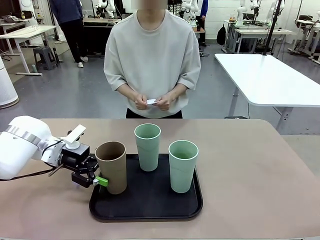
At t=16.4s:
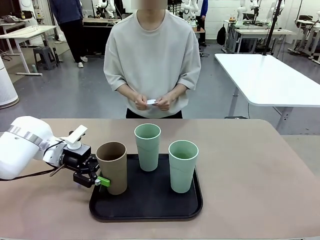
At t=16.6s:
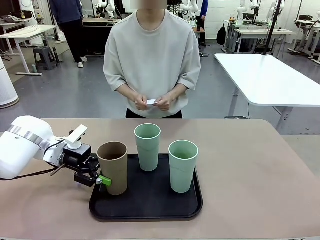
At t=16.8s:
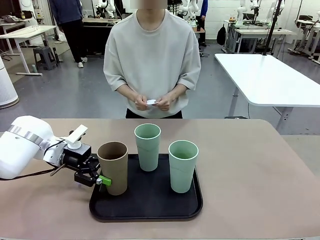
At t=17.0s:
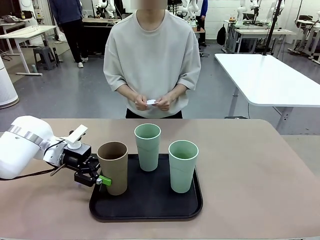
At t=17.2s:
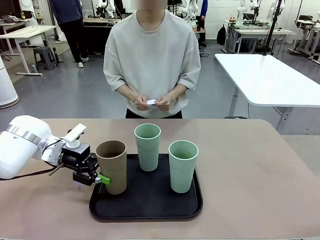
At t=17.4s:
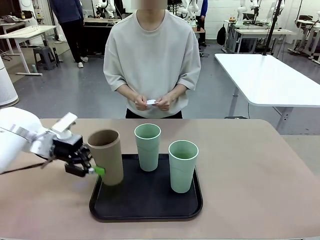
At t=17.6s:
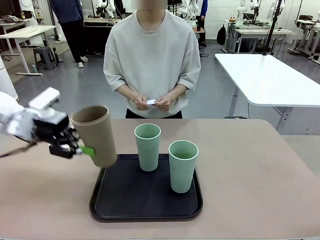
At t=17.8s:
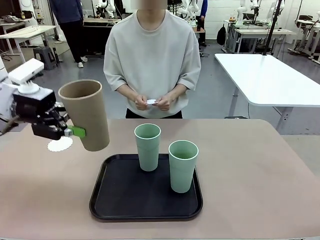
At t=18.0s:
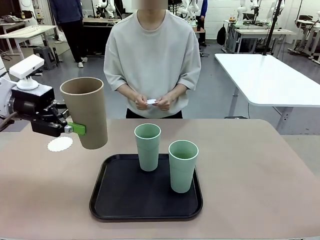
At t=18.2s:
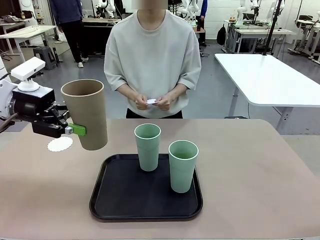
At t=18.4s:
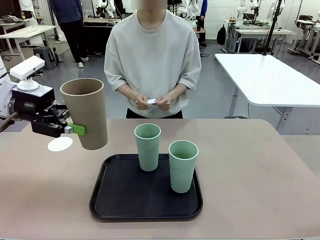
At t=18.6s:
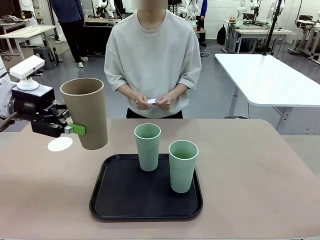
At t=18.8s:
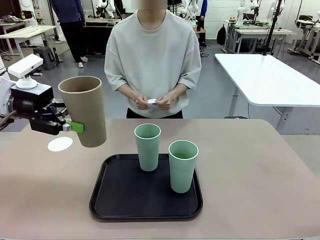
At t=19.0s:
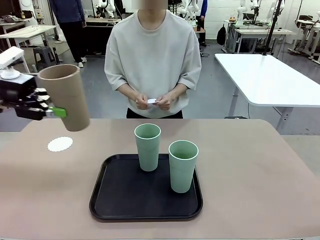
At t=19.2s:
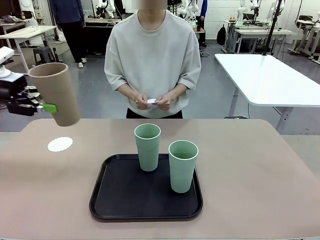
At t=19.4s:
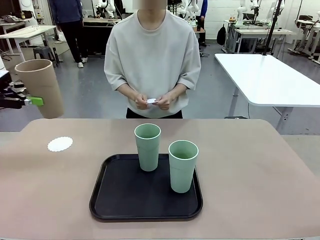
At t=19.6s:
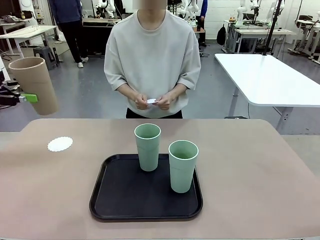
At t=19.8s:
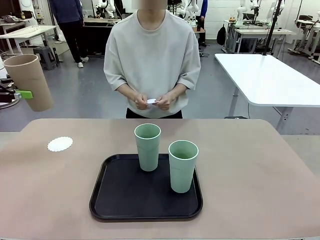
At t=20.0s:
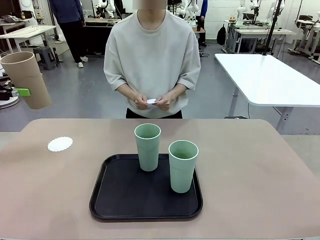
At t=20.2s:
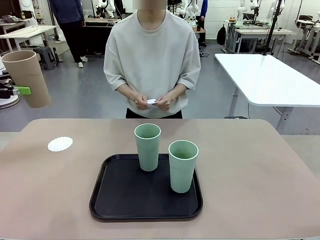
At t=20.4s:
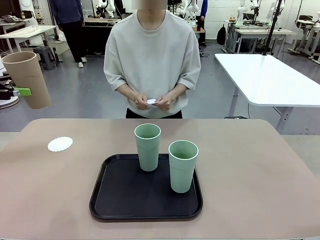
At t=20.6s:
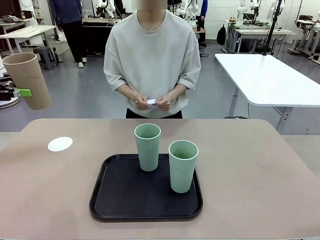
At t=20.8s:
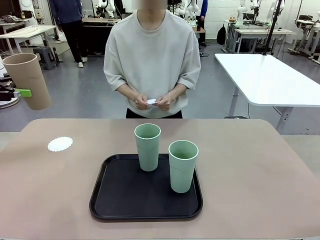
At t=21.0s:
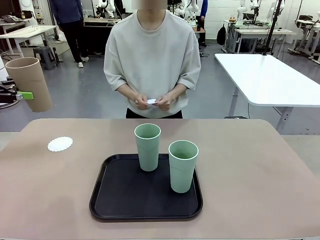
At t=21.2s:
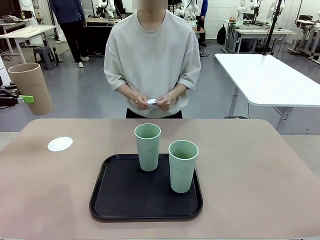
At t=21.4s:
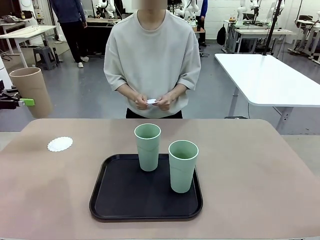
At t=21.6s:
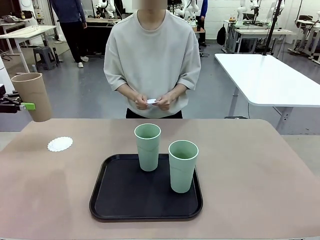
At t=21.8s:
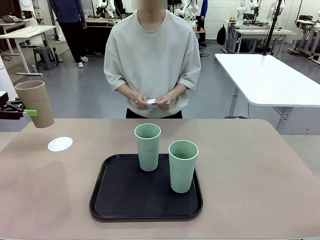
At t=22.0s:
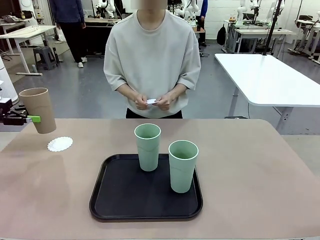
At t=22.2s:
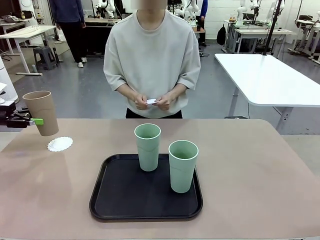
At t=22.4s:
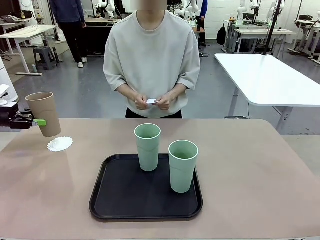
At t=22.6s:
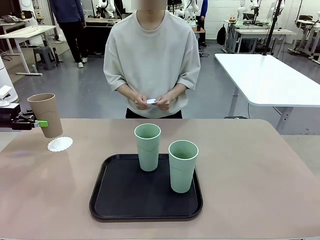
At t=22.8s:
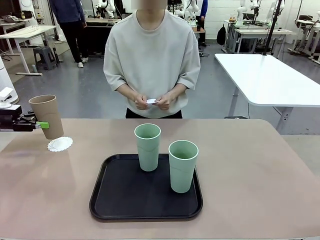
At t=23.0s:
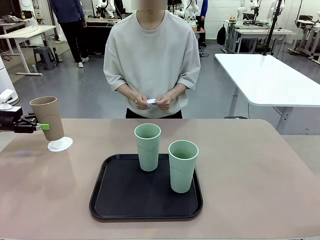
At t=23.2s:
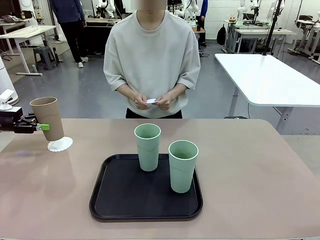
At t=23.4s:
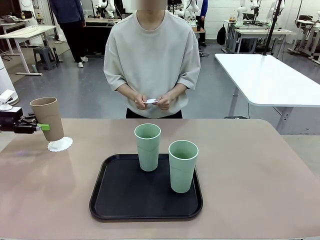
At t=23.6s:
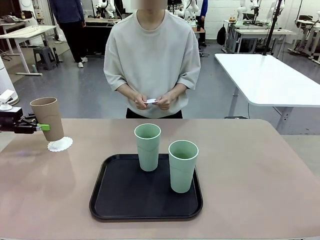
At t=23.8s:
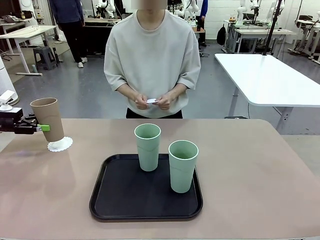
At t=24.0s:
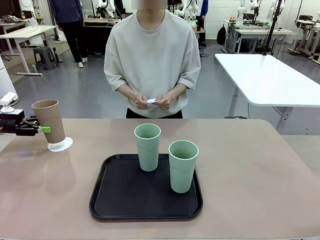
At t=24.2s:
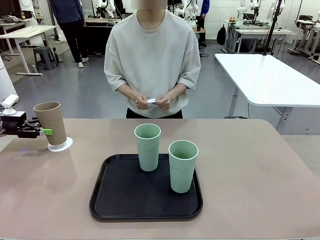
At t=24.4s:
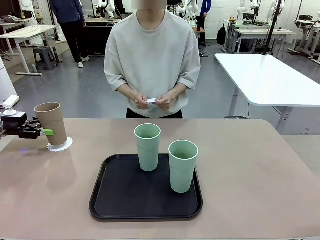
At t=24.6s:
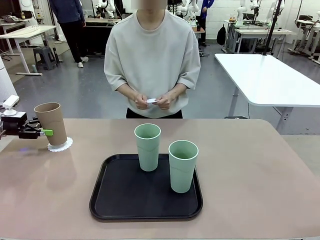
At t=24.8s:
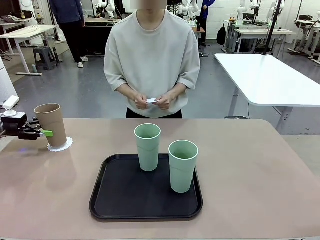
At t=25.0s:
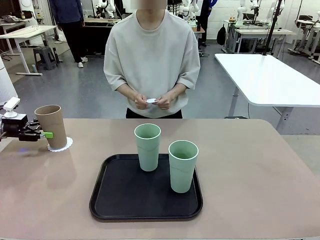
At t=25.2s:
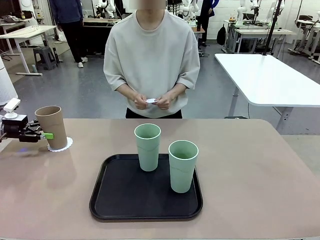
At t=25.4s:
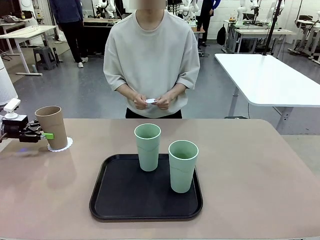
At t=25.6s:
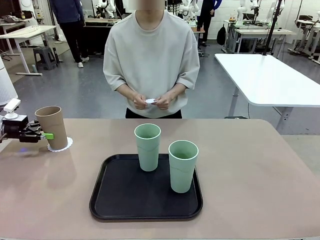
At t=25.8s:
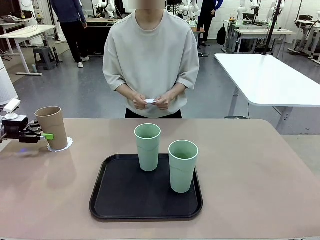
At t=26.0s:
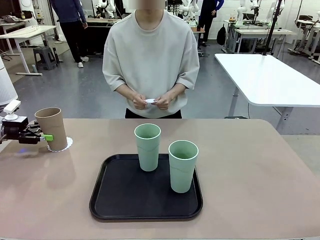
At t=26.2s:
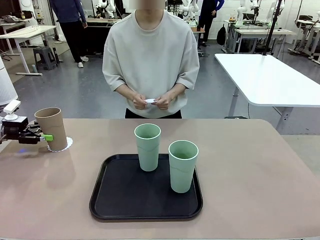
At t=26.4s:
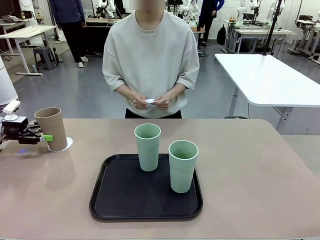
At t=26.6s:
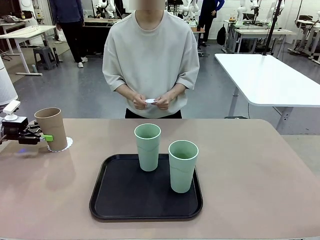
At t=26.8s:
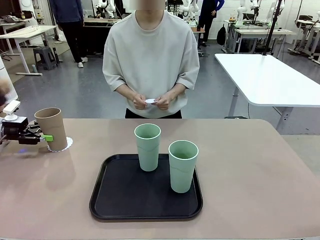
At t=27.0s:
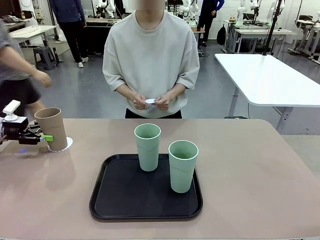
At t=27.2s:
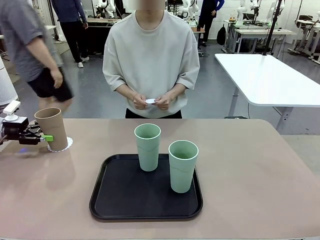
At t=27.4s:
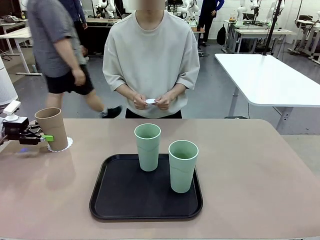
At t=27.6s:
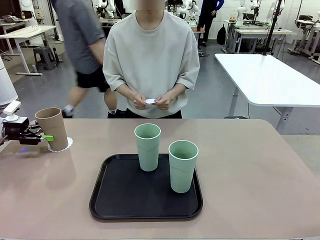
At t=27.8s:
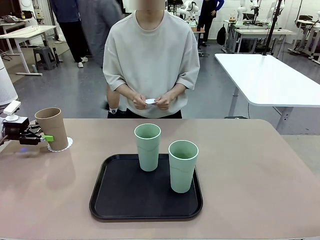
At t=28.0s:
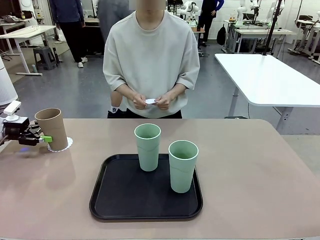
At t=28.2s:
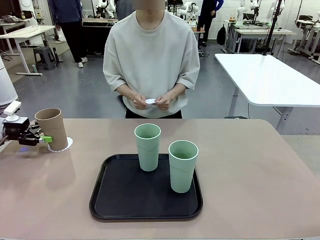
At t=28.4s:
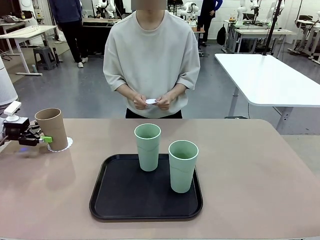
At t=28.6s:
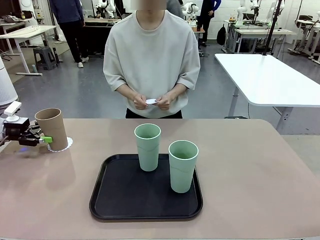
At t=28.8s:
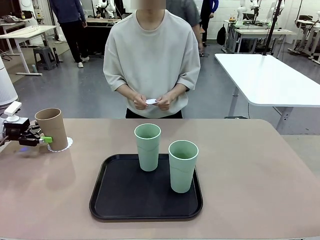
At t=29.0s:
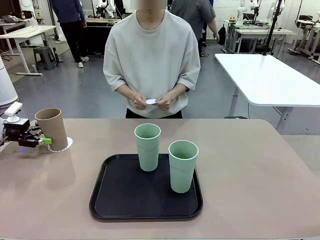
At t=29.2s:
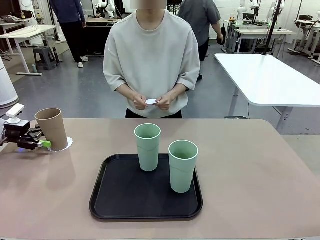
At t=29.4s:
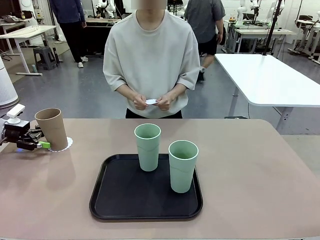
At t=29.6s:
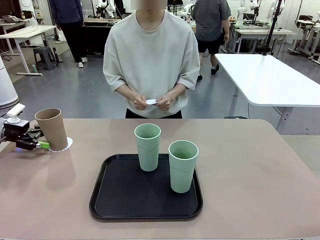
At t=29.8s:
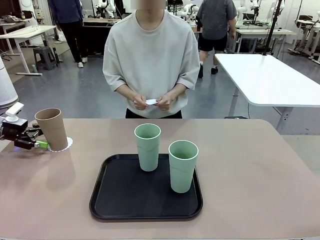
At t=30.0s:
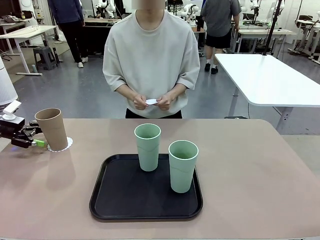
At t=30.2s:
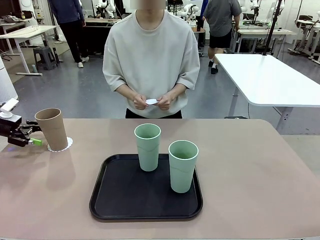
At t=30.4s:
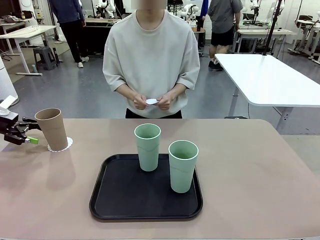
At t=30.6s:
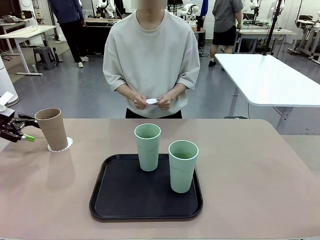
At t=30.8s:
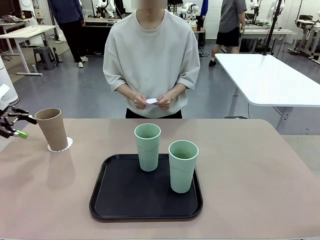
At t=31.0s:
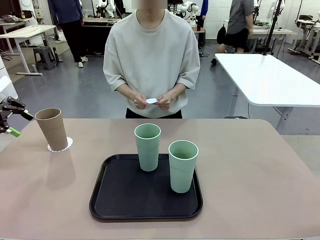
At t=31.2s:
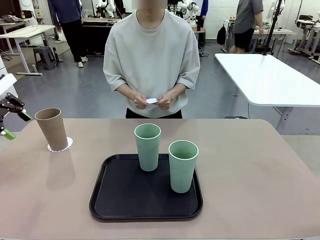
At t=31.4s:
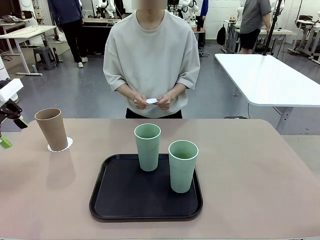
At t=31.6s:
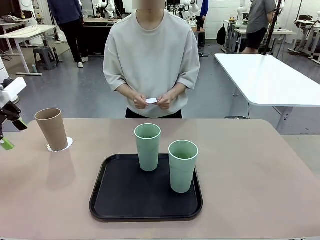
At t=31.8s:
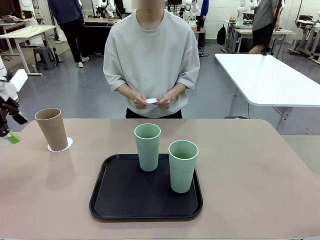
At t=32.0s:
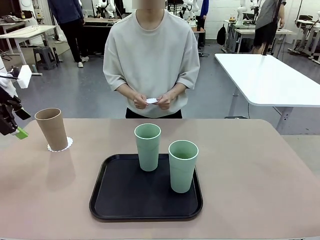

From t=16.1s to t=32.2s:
Task: Place coasters on the table and set cups on them.
Robot: Pick up one Reusable plastic cup and place it on a coaster set by the human.
Person: Place one coaster in one of the two areas excluding the previously selected area.
